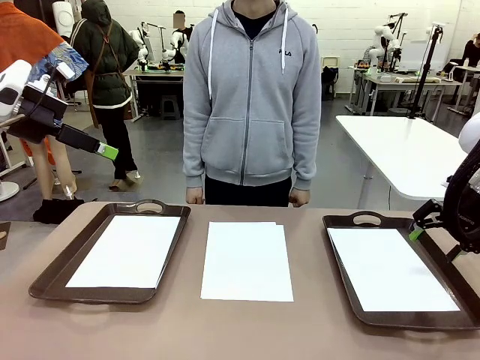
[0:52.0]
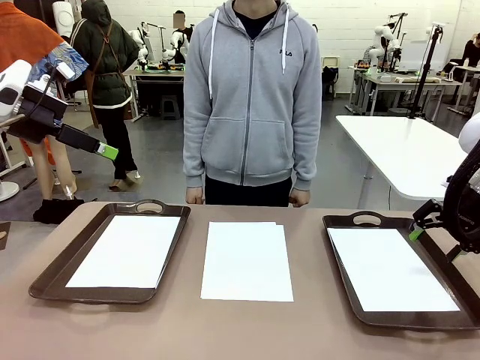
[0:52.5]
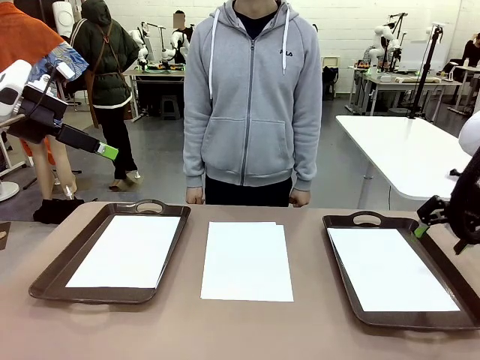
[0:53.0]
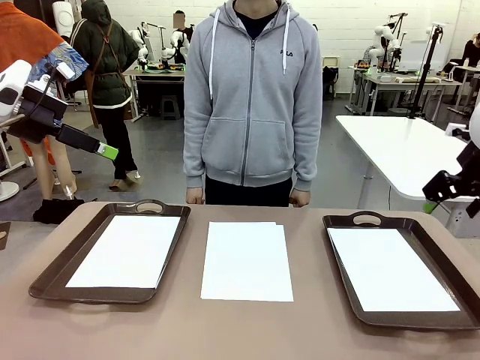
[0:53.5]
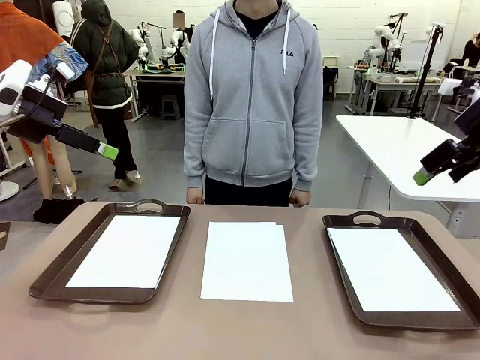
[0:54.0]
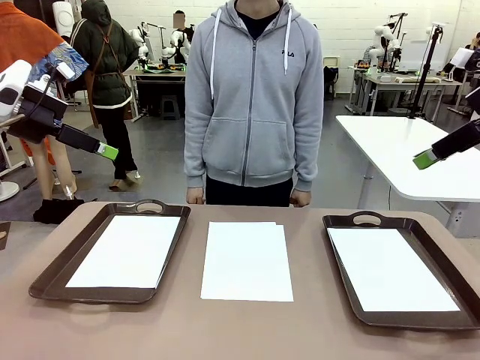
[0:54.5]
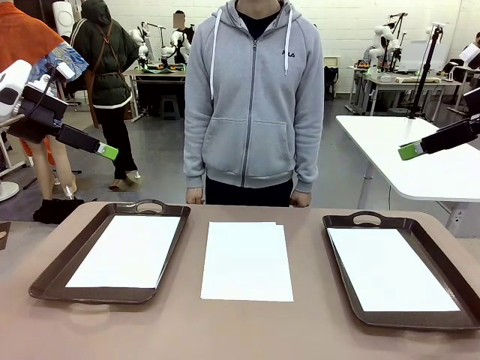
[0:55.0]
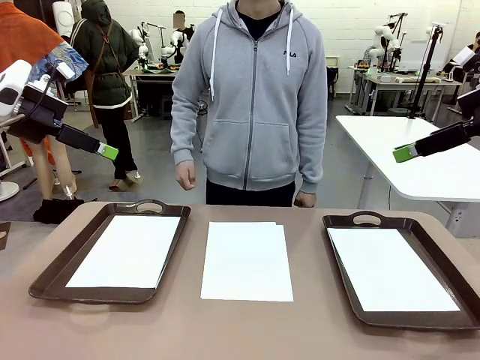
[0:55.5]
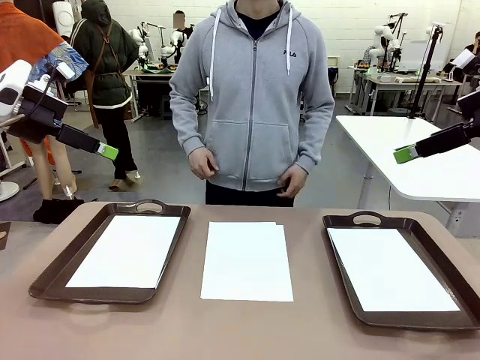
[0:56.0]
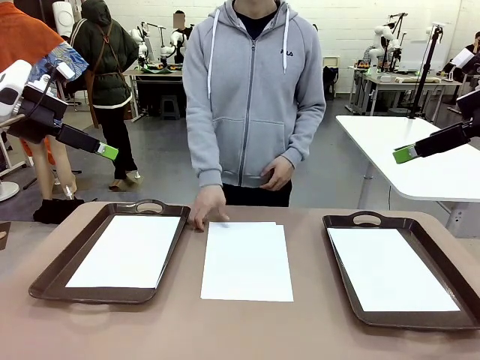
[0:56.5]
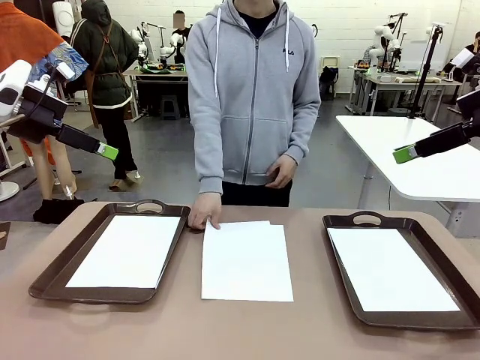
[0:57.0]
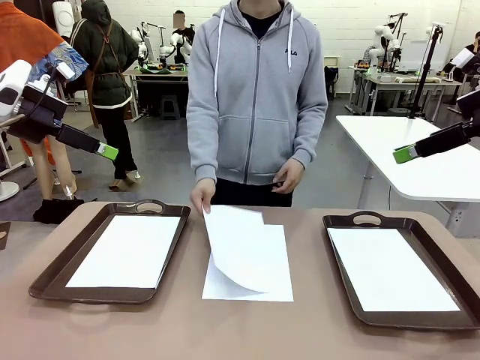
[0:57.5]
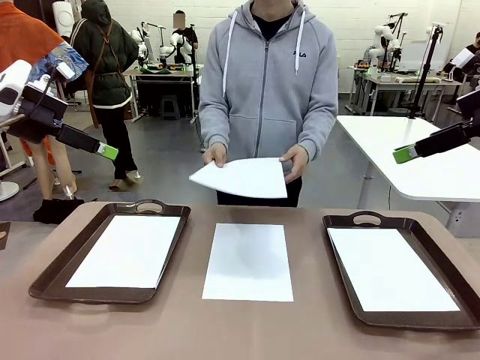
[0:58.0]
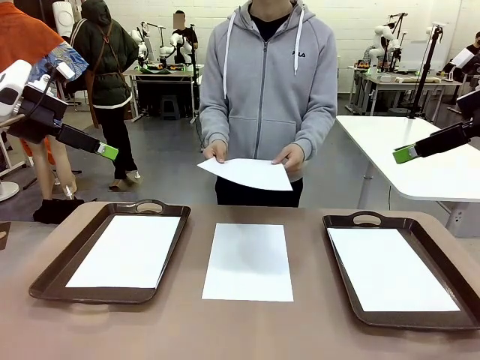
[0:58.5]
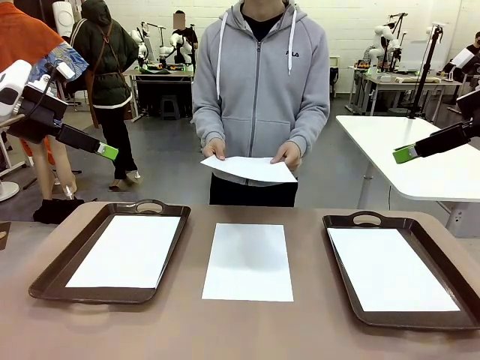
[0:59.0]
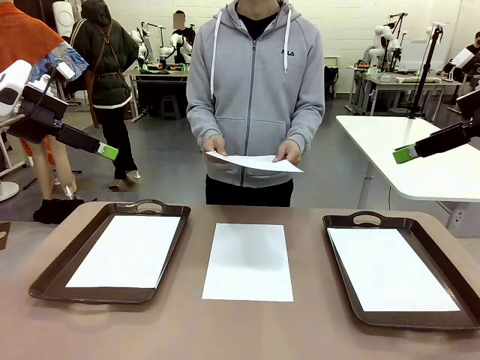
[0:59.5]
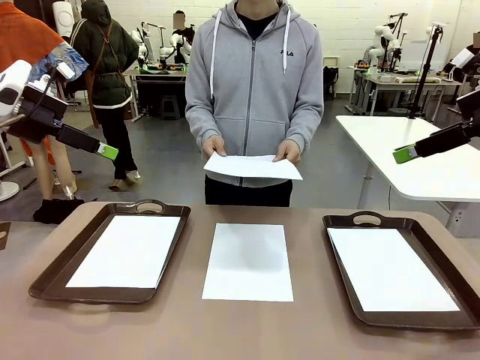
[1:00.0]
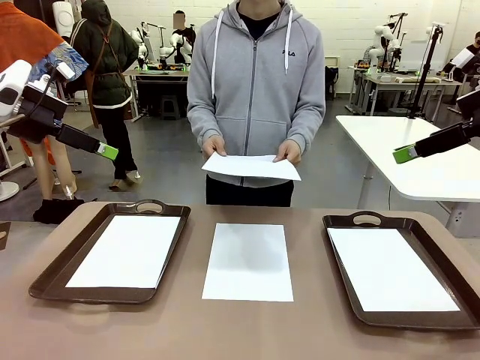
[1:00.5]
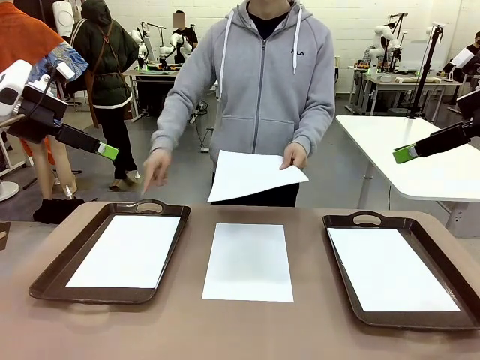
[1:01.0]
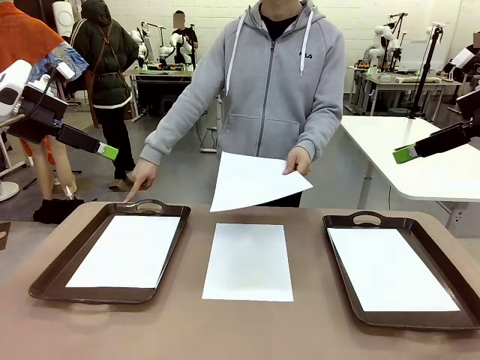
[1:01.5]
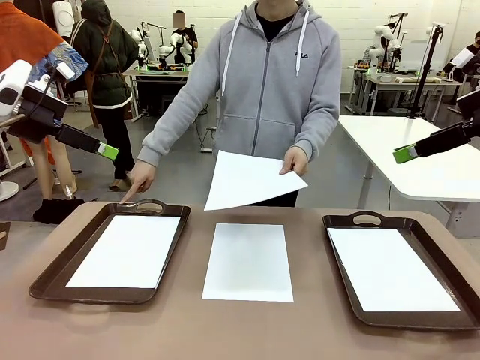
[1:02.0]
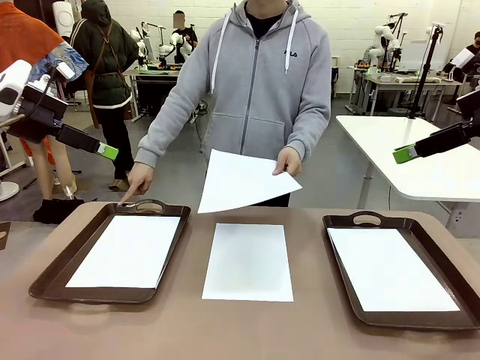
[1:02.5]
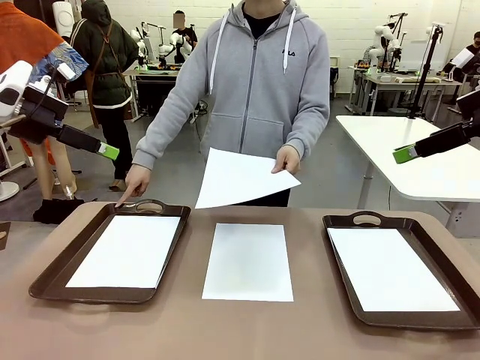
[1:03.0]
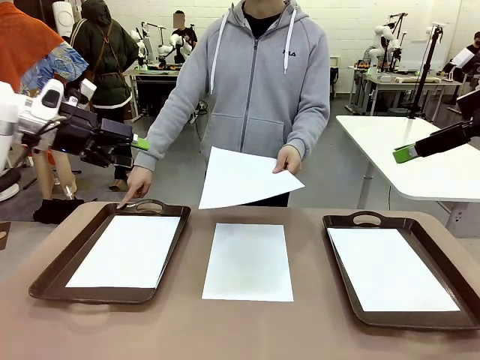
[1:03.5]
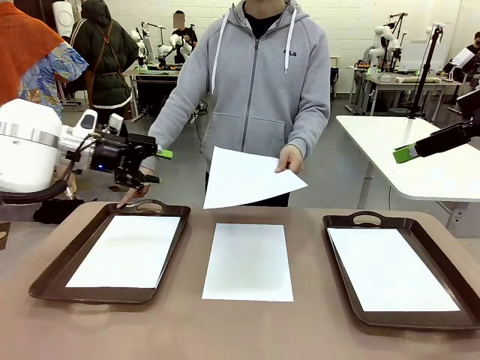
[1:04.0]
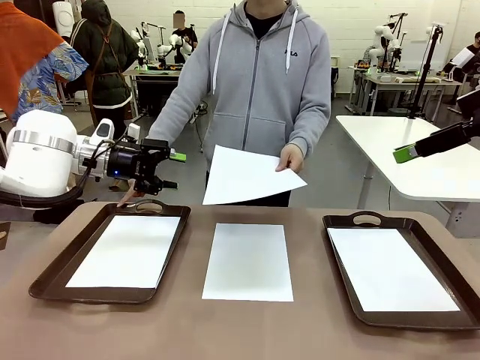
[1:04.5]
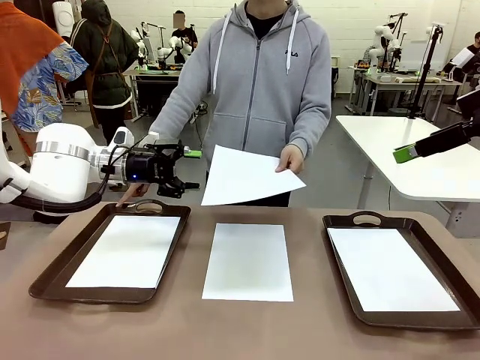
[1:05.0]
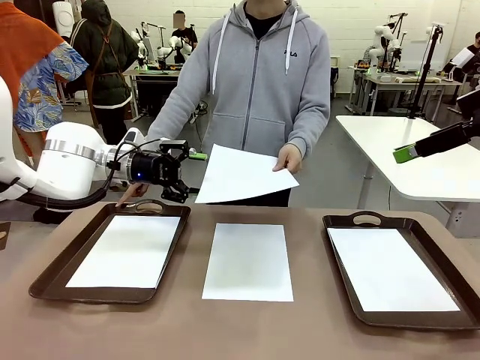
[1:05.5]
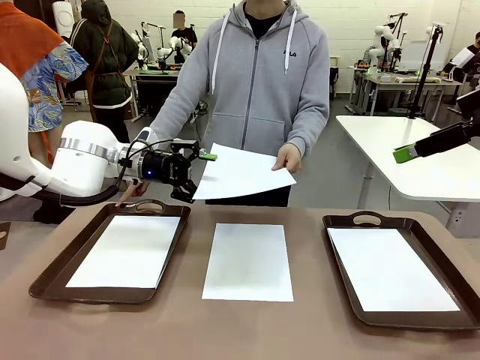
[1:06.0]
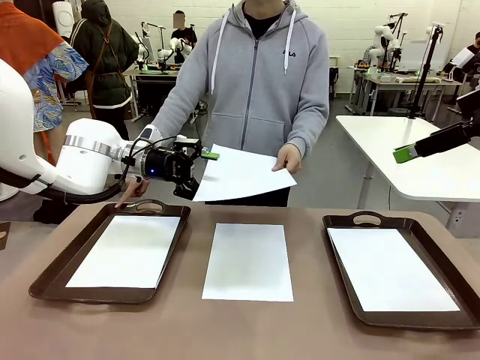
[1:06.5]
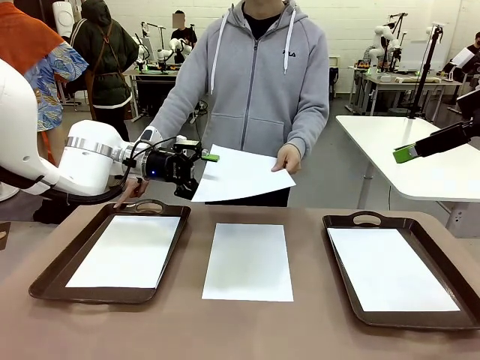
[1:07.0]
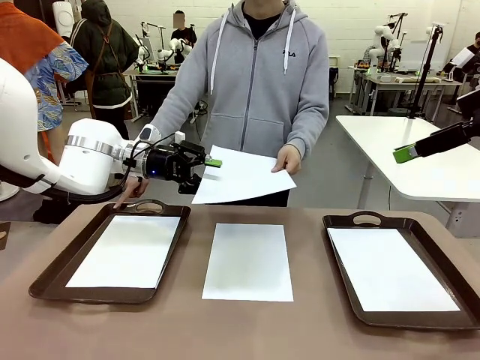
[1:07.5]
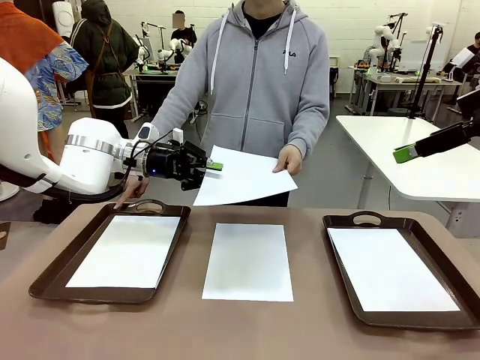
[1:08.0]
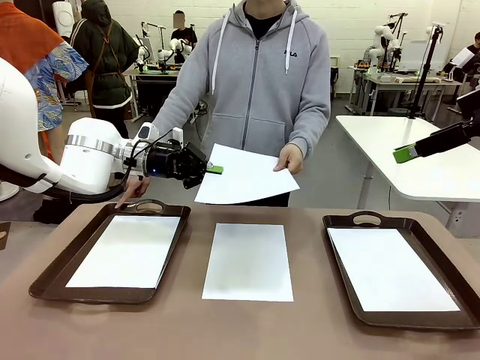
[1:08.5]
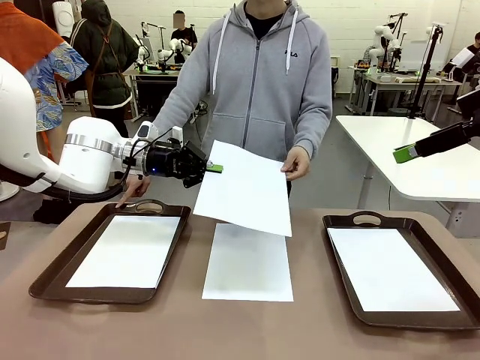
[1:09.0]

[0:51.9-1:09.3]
Task: Sort the A4 documents.
Robot: Receive the A4 Paper.
Person: Point the randomly selected tray with the other hand.

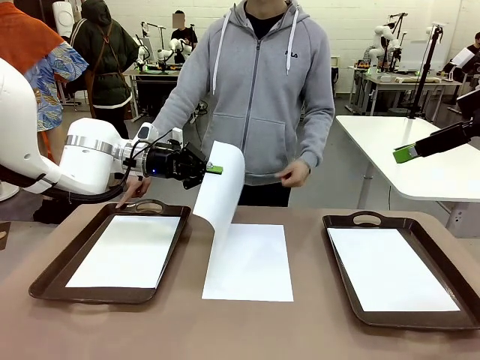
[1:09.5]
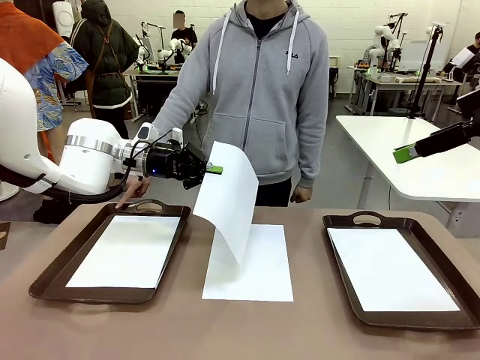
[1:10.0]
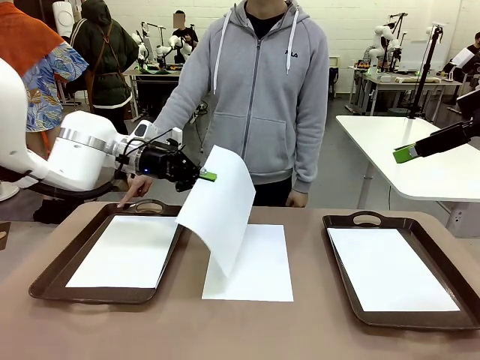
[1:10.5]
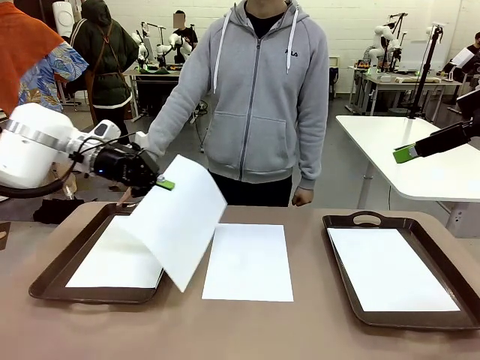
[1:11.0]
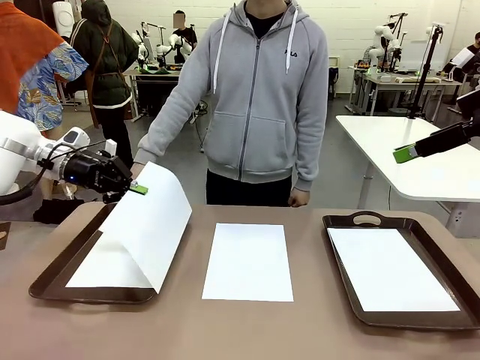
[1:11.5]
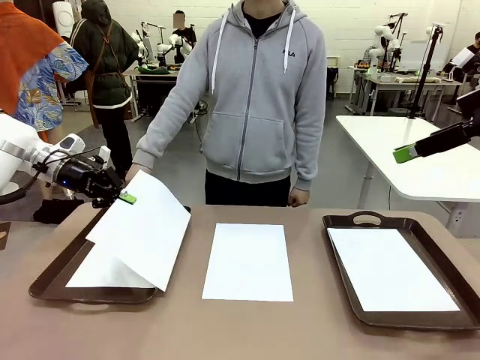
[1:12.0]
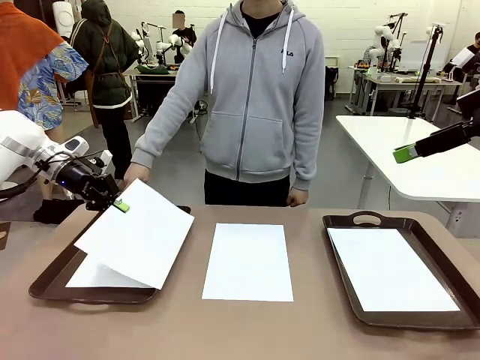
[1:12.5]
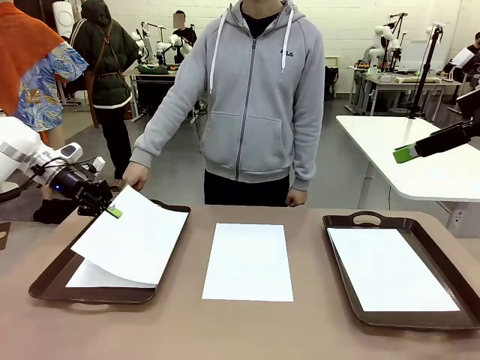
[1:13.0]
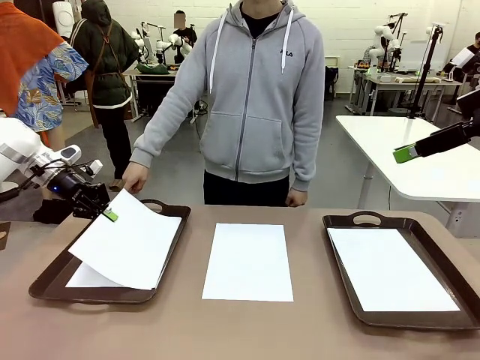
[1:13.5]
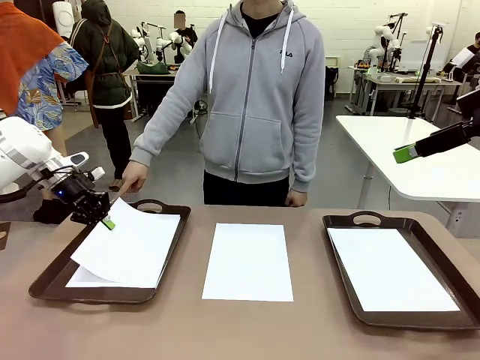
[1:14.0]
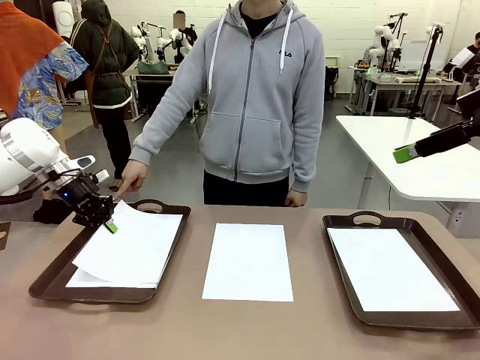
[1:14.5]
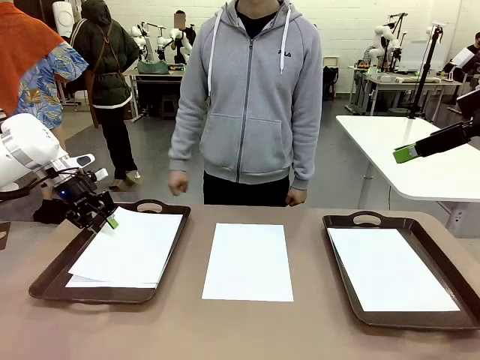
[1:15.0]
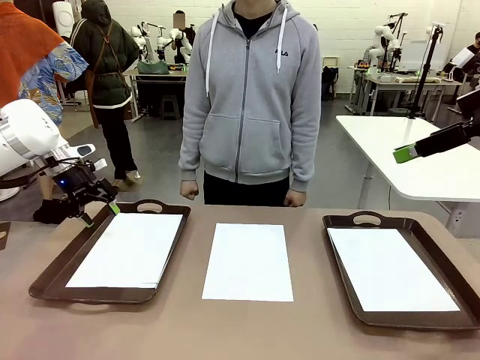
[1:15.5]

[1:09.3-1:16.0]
Robot: Place the A4 Paper in the designated Handle tray.

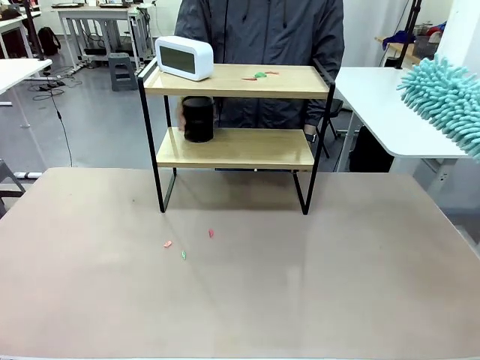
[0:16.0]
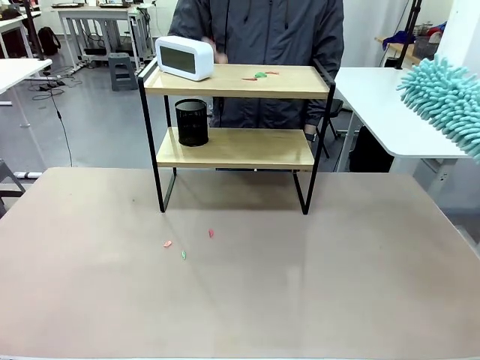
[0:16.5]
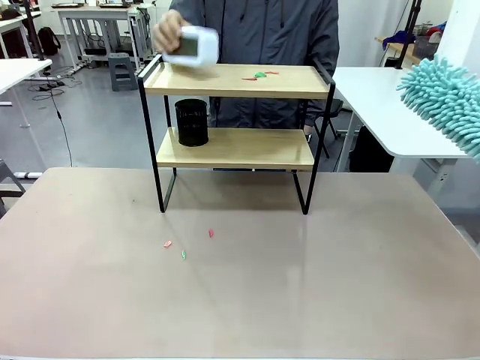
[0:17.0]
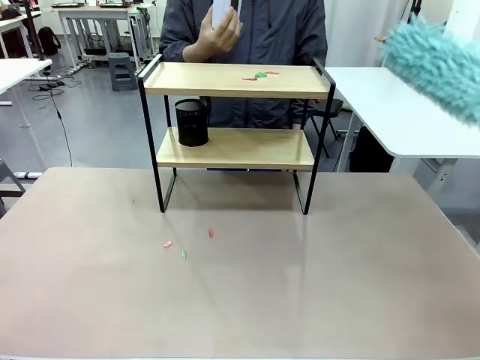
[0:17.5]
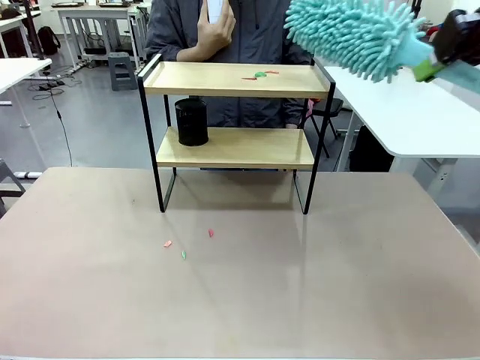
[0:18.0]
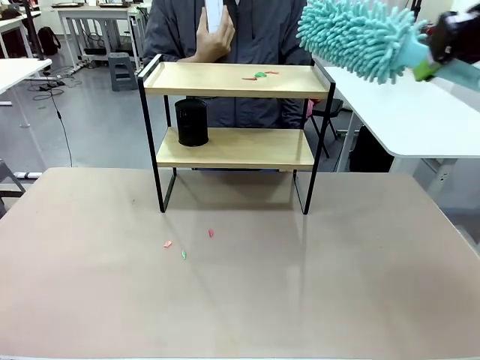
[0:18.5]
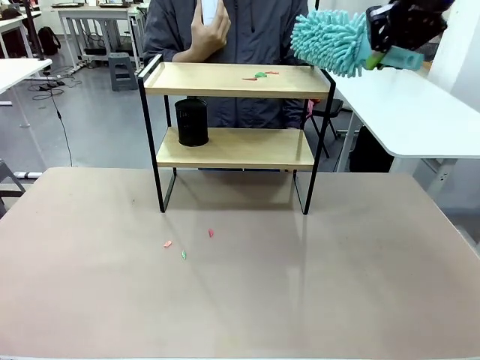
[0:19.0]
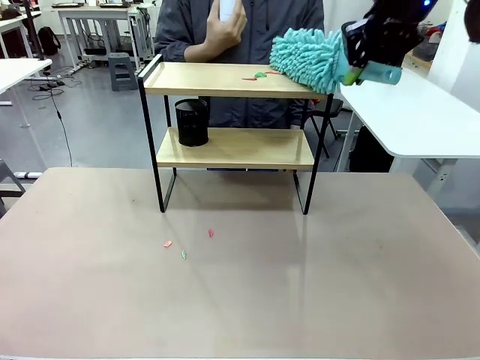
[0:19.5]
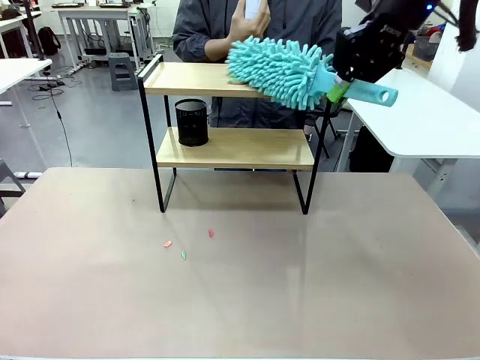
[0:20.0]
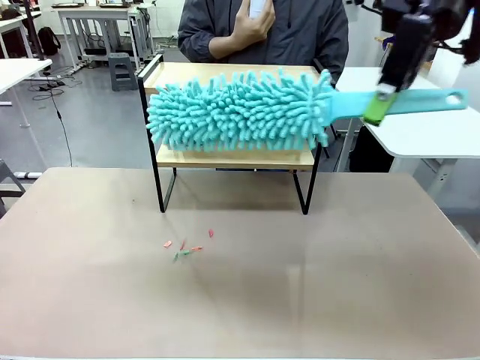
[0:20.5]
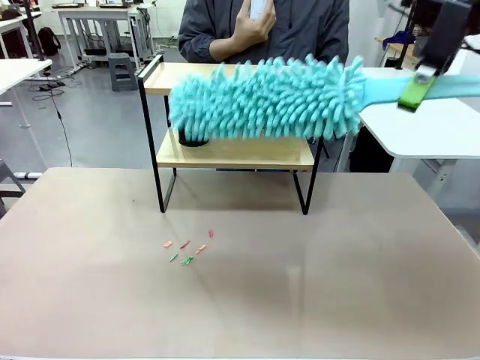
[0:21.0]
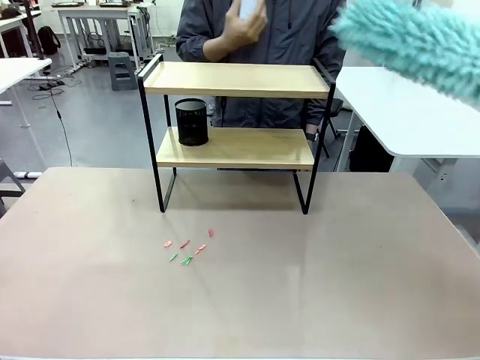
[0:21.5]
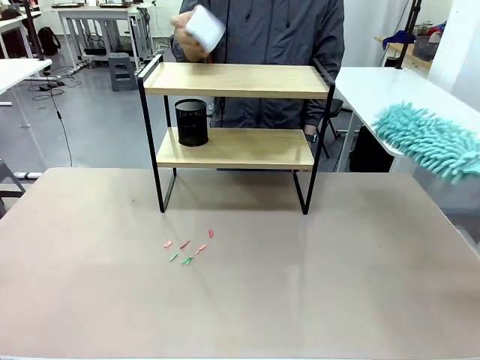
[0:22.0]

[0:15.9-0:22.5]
Task: Clean the shelf.
Robot: Clean the remaining tier of the Shelf with the Duster once objects are removed.
